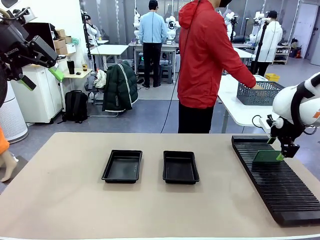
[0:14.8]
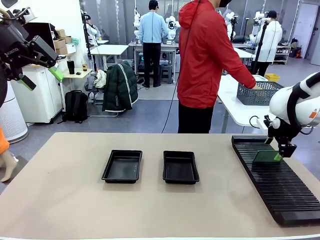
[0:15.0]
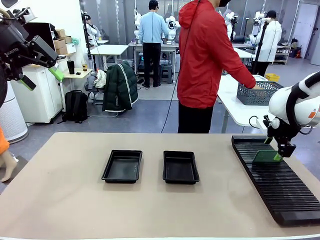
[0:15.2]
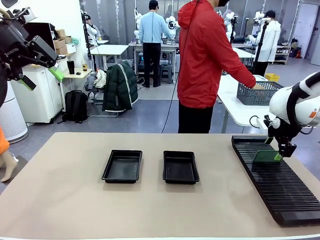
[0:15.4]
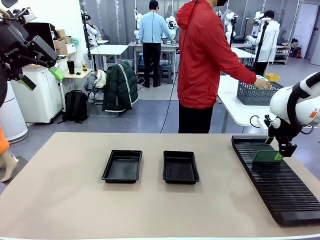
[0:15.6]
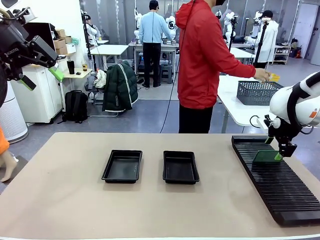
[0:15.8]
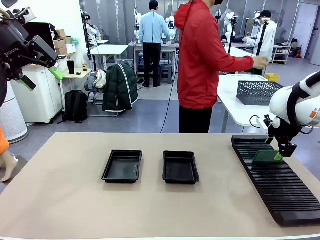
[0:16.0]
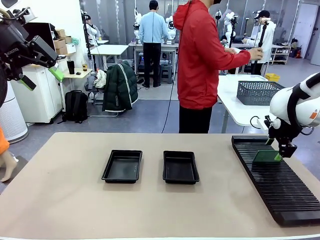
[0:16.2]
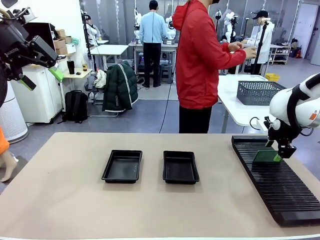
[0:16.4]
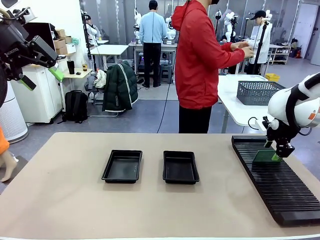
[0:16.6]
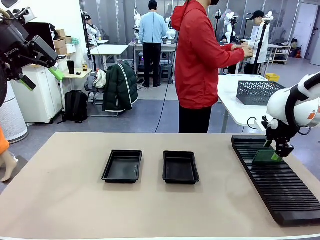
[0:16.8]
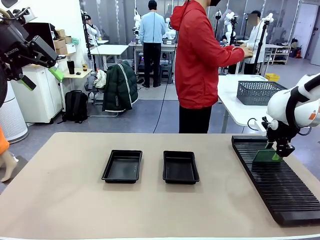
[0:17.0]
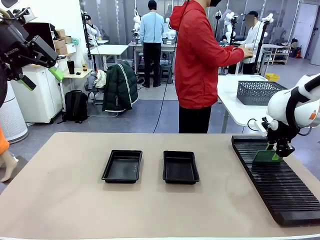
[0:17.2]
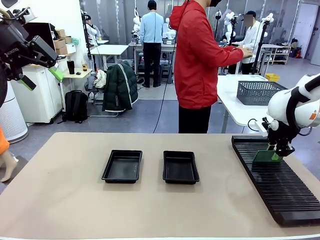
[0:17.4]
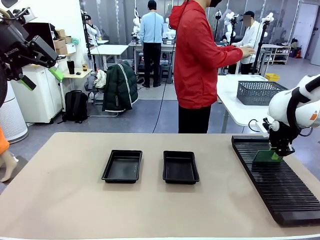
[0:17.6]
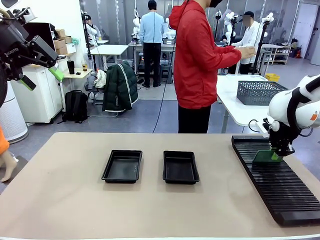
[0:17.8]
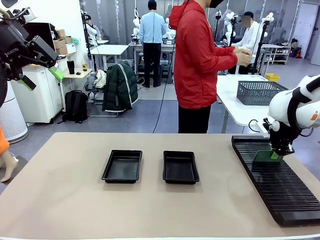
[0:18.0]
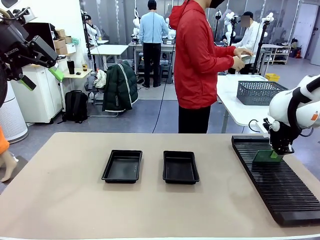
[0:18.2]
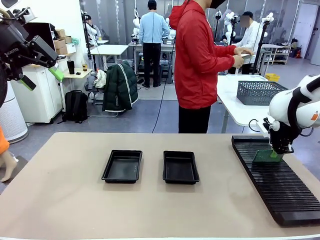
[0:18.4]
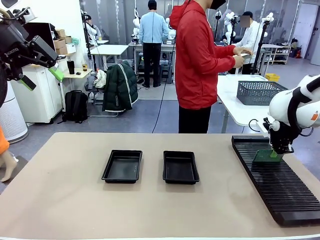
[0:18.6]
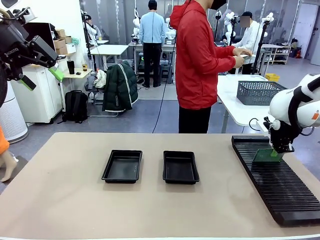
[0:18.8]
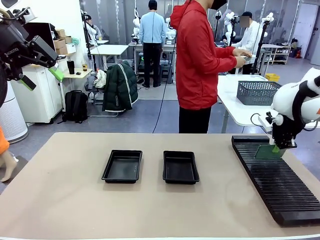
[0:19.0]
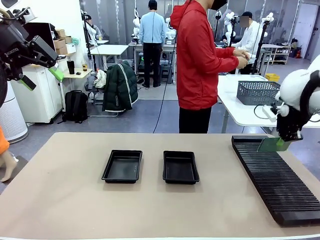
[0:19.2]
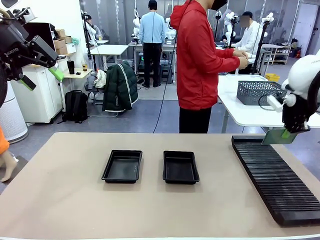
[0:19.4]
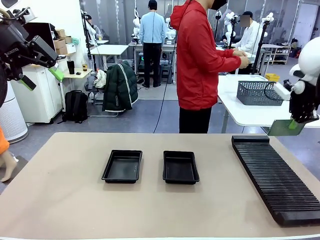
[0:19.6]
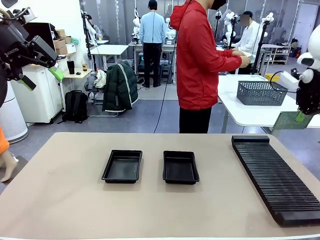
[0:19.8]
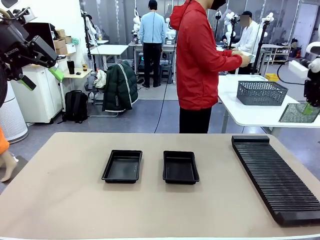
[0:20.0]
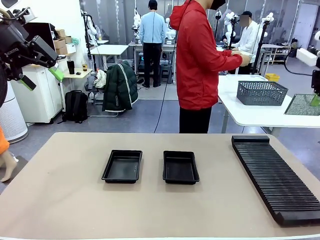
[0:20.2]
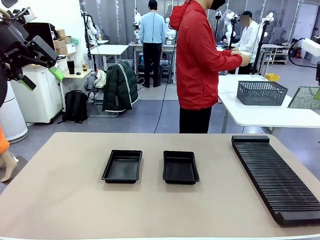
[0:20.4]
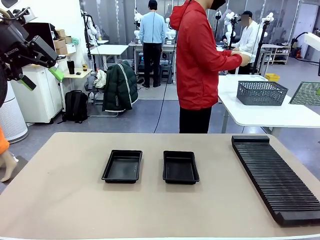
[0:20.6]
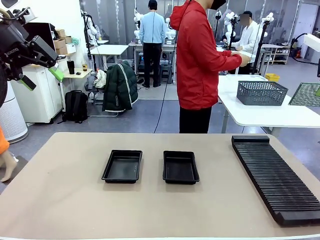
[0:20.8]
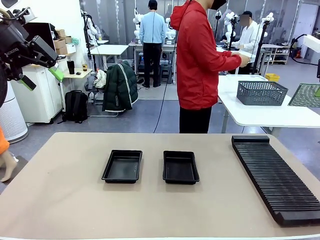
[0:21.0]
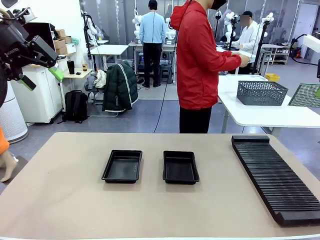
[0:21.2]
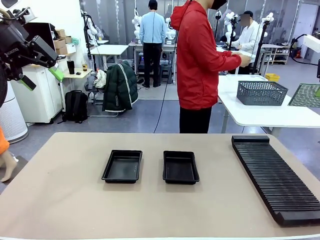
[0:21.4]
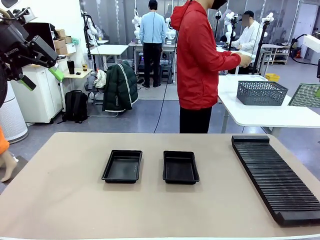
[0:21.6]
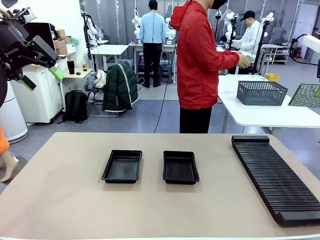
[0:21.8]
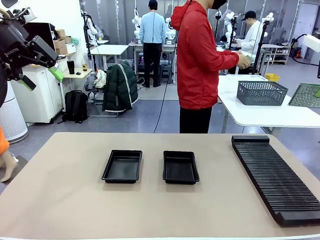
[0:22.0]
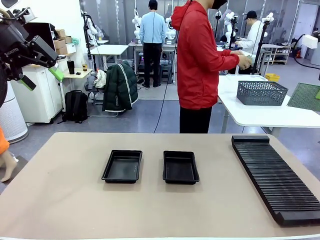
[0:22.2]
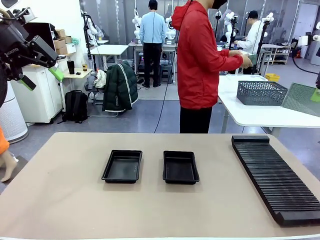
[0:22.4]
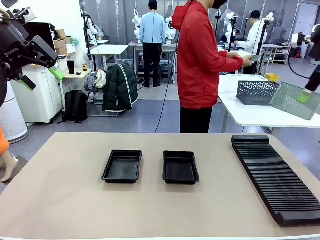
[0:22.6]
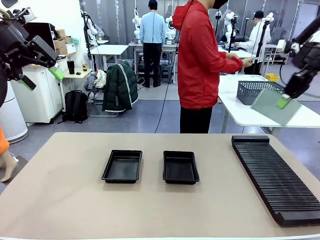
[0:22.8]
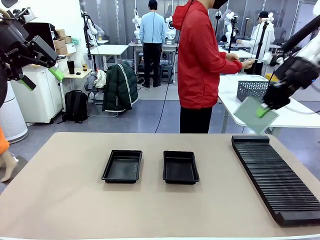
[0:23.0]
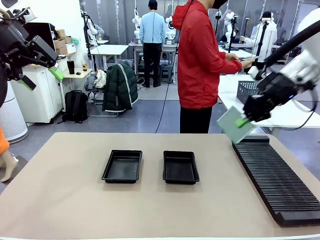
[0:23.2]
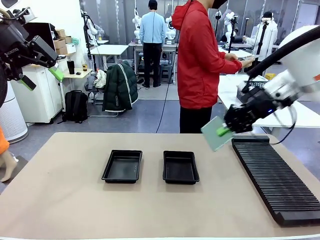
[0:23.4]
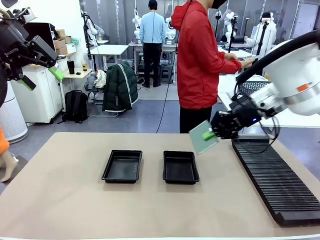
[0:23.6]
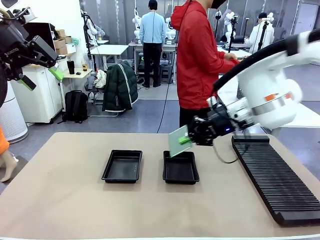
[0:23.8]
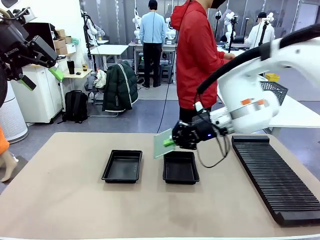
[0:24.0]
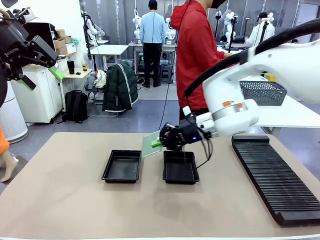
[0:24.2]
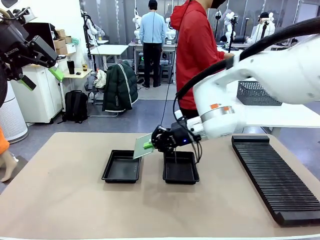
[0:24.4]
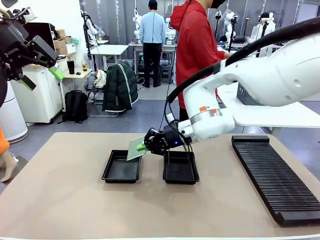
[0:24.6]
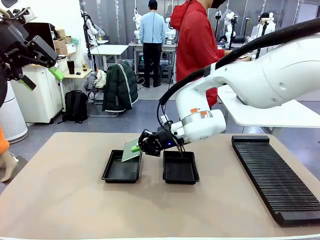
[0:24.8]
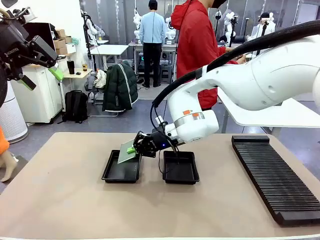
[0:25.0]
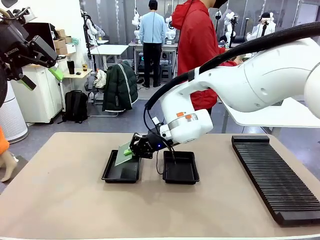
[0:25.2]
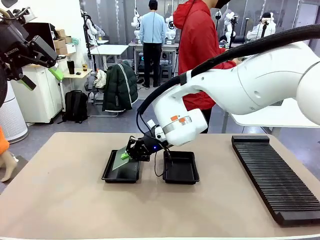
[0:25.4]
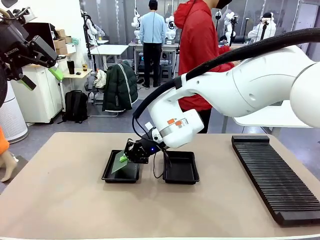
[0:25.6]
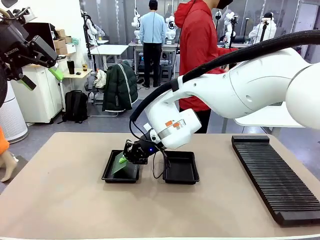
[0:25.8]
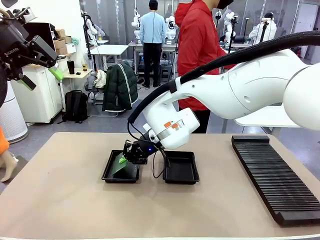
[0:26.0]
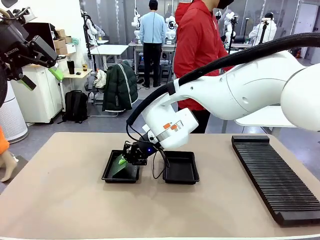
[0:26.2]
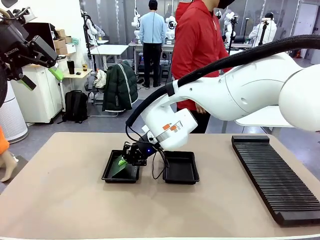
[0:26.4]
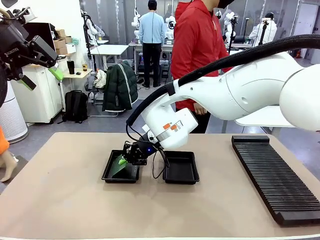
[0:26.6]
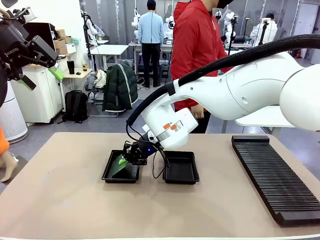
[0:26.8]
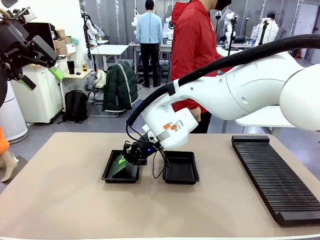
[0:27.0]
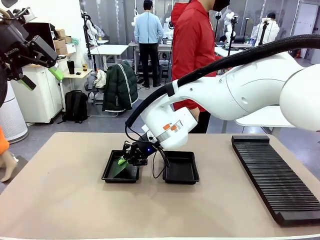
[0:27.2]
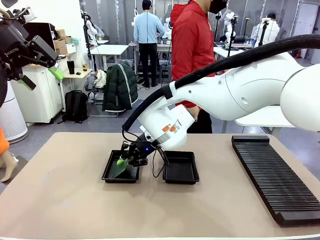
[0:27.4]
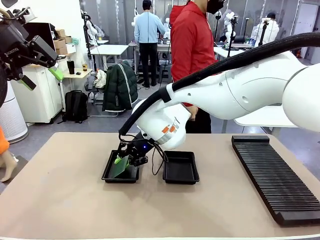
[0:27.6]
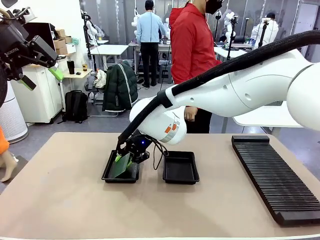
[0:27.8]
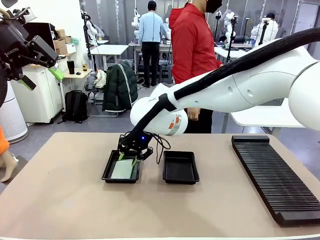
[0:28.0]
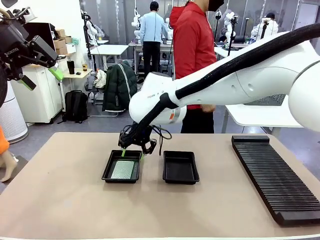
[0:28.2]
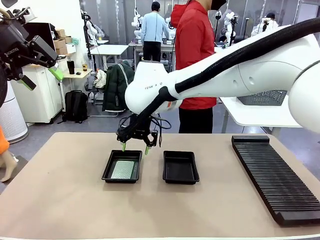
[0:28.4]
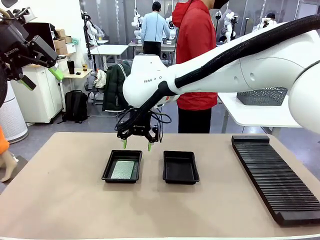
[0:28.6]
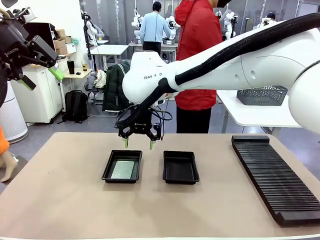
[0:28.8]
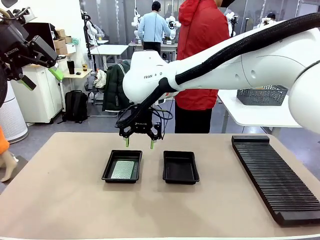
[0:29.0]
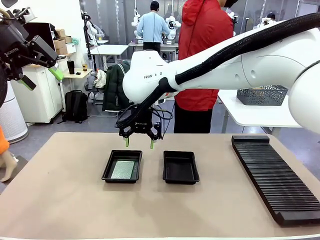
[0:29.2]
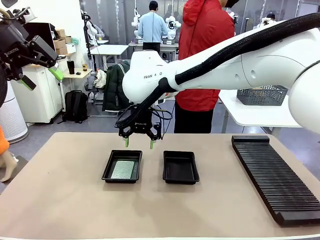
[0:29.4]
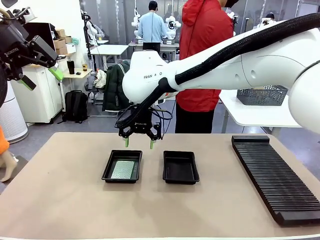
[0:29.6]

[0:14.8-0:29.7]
Task: Inspect and transfer BCBs to ESD trays.
Robot: Pick up the Blank PCB from the PCB Rack and place it in the left ESD tray.
